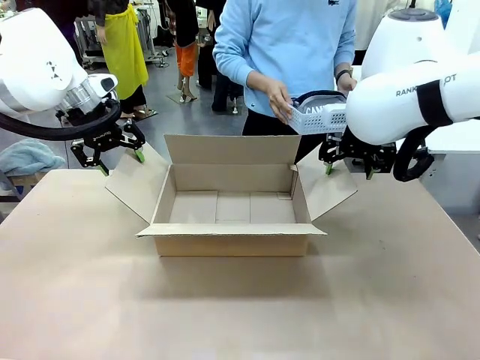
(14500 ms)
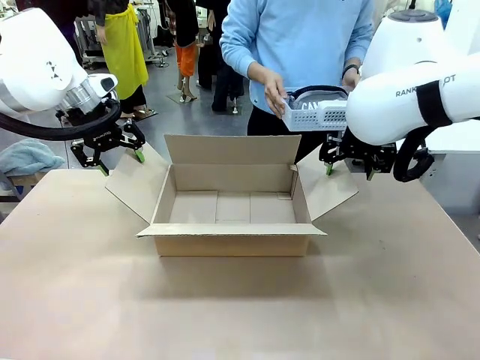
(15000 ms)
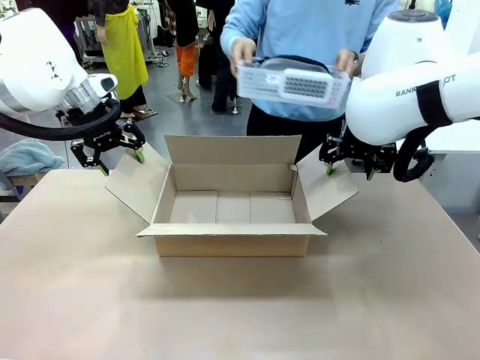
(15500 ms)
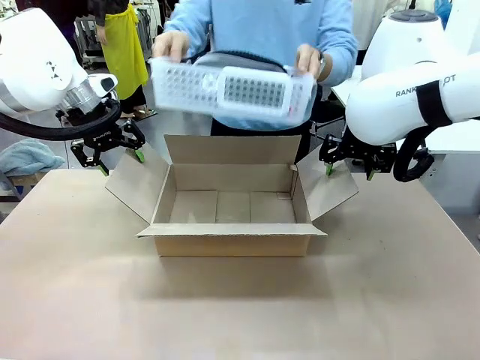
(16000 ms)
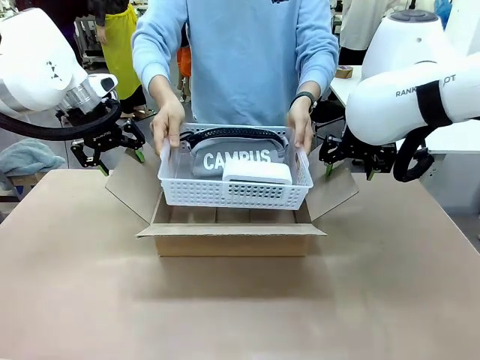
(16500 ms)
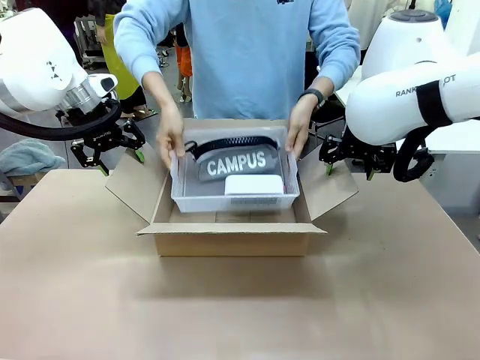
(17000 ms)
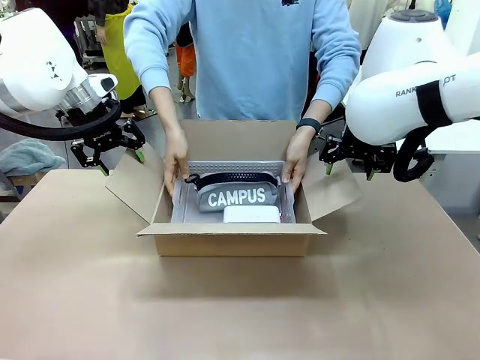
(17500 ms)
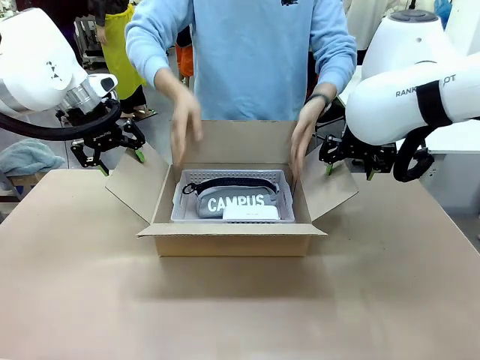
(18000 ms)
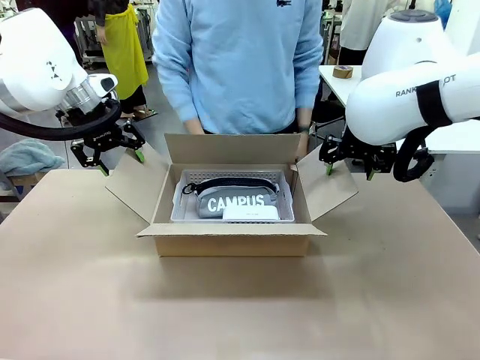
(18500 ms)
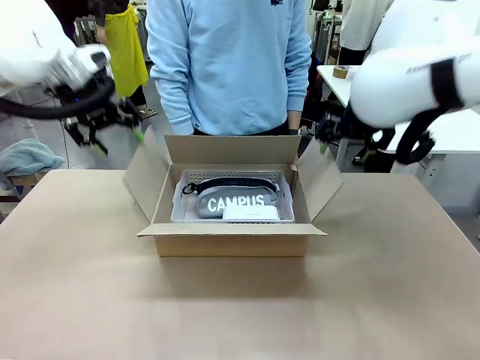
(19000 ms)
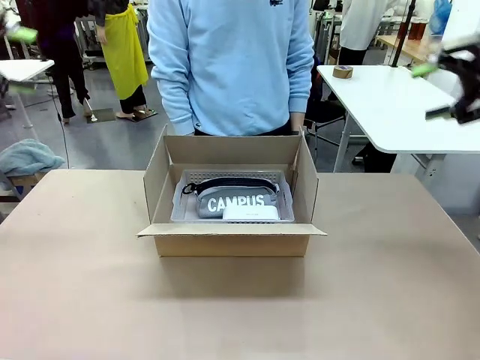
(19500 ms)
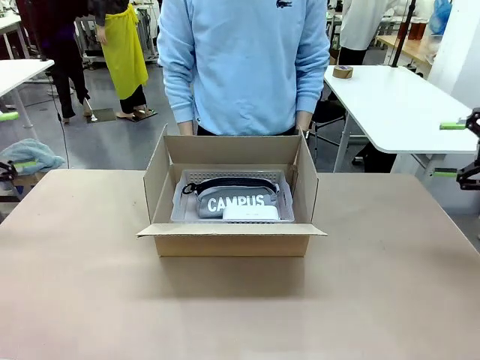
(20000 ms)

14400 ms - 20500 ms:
Task: Pack the gift set into the box.
Robot: Lift both hands away from the flaps of the Package Box.
Person: The human picks up the organizing basket and places the organizing basket into the package box on the robot table.

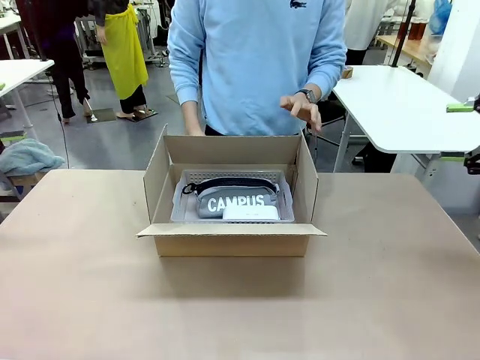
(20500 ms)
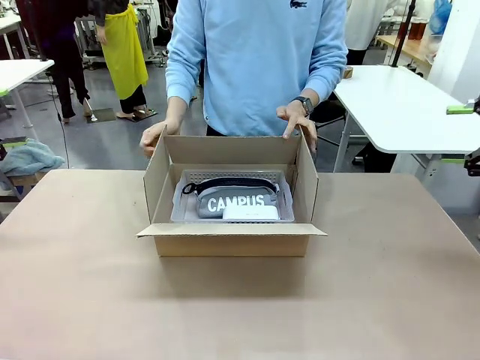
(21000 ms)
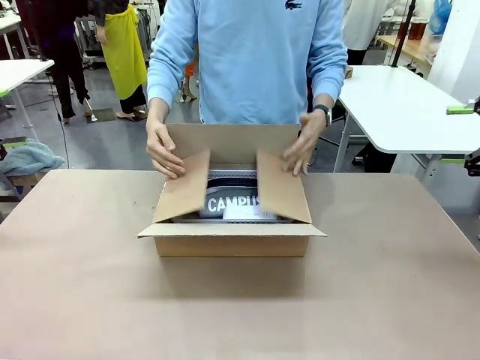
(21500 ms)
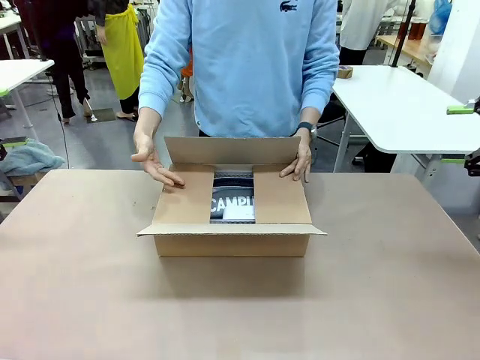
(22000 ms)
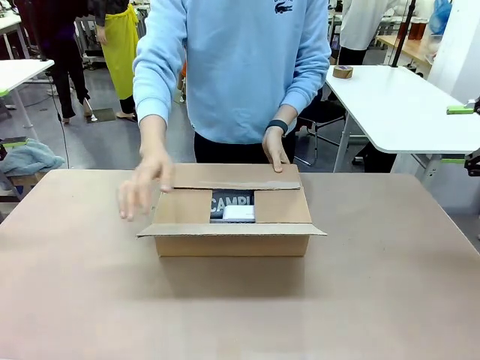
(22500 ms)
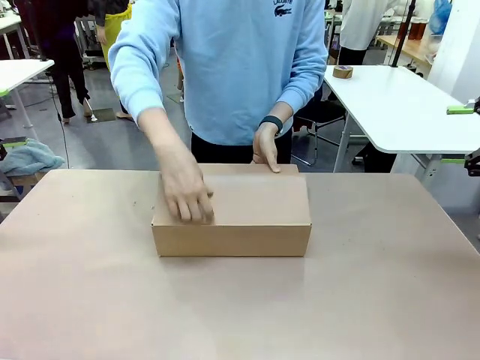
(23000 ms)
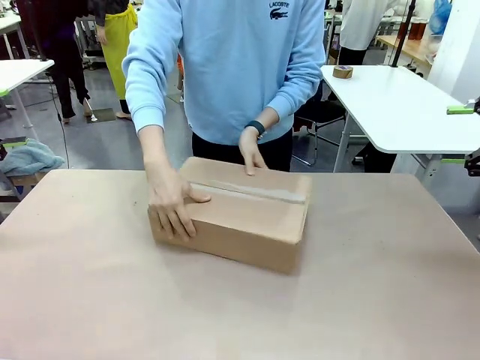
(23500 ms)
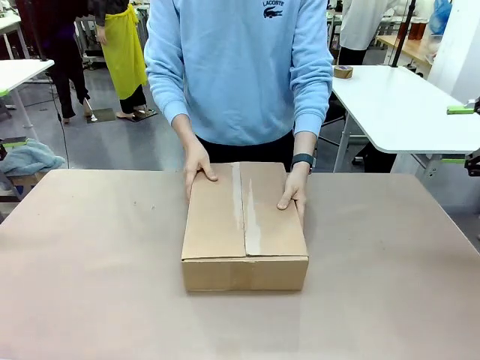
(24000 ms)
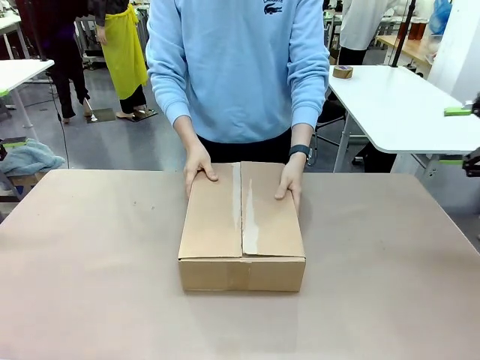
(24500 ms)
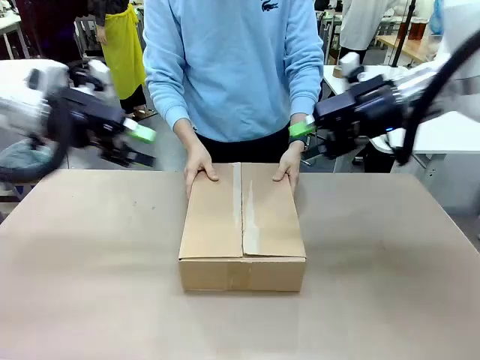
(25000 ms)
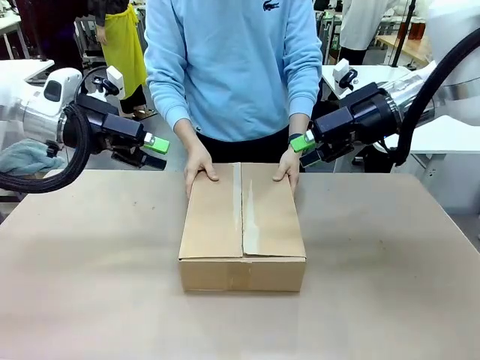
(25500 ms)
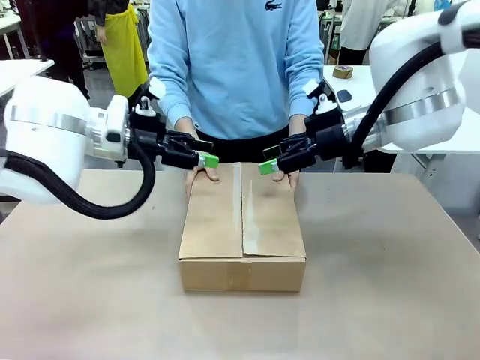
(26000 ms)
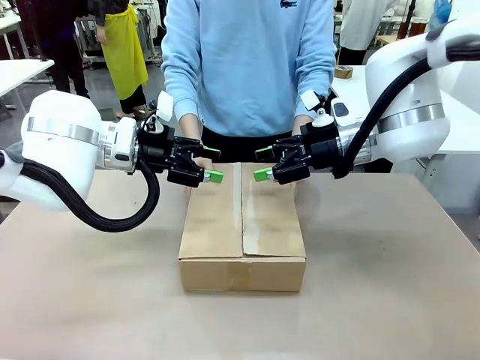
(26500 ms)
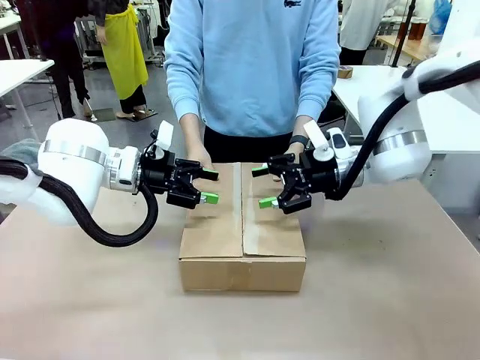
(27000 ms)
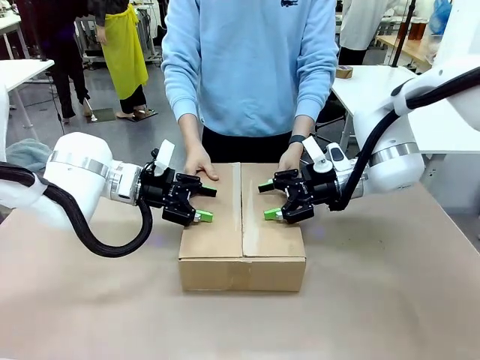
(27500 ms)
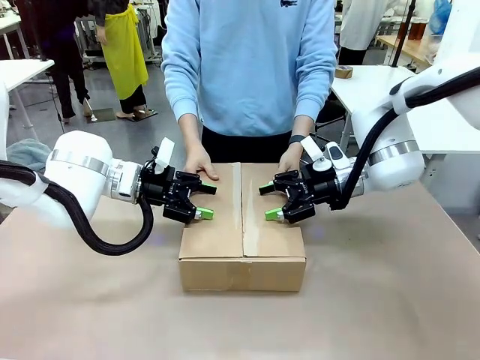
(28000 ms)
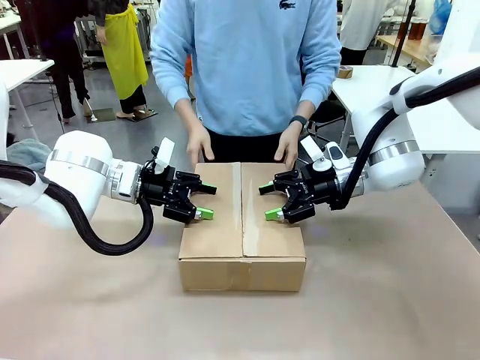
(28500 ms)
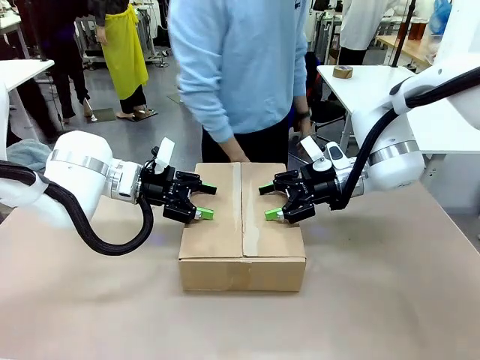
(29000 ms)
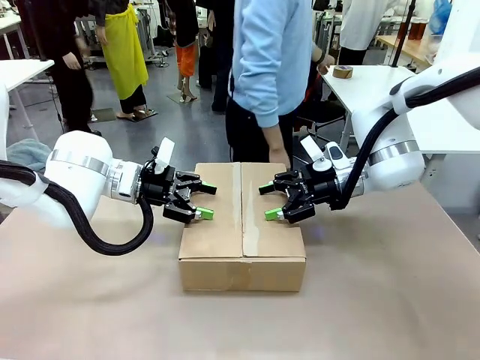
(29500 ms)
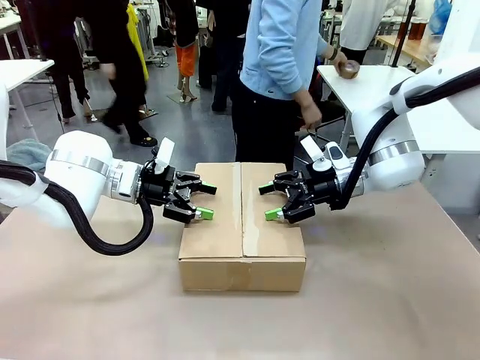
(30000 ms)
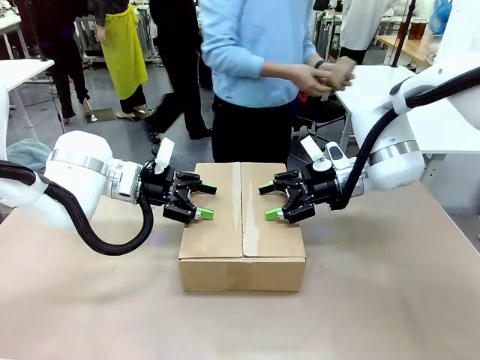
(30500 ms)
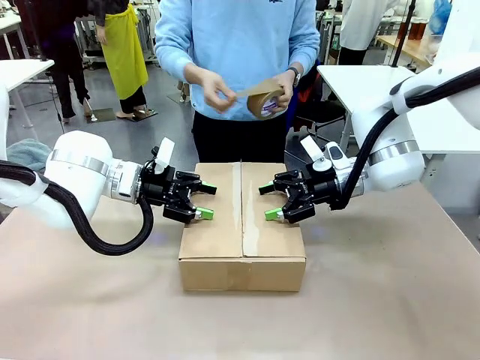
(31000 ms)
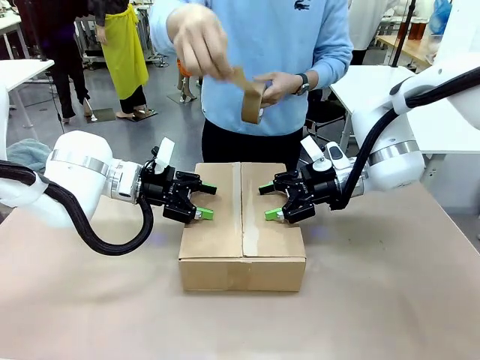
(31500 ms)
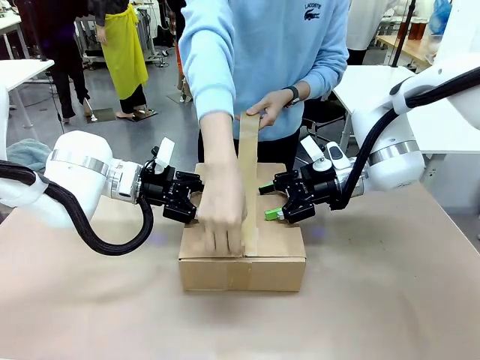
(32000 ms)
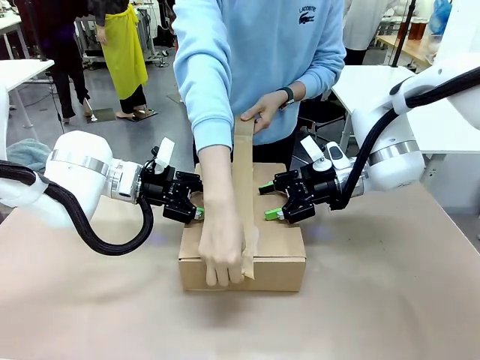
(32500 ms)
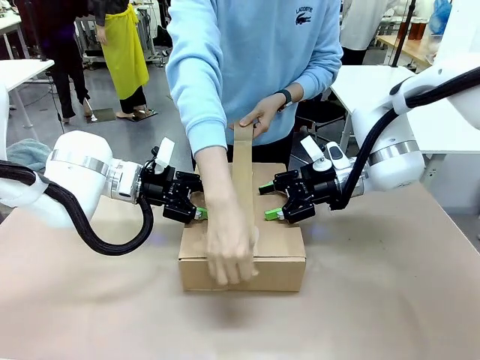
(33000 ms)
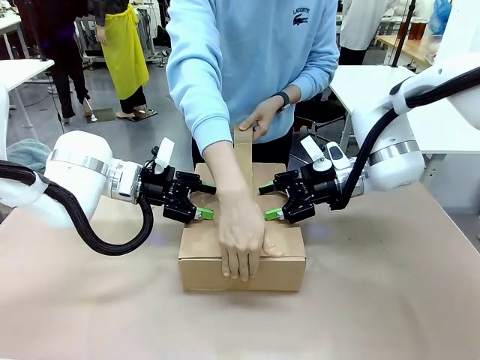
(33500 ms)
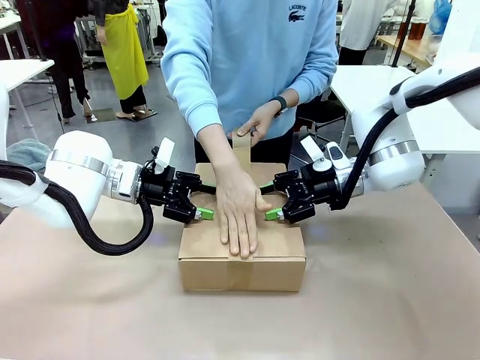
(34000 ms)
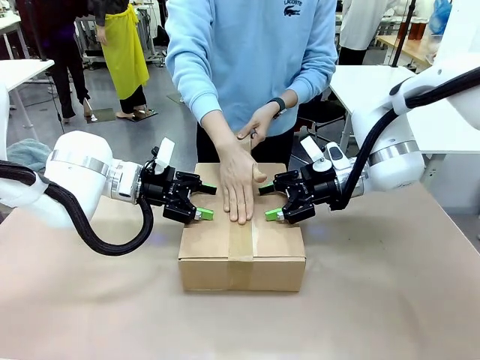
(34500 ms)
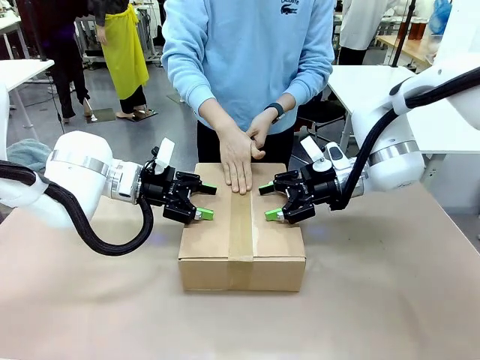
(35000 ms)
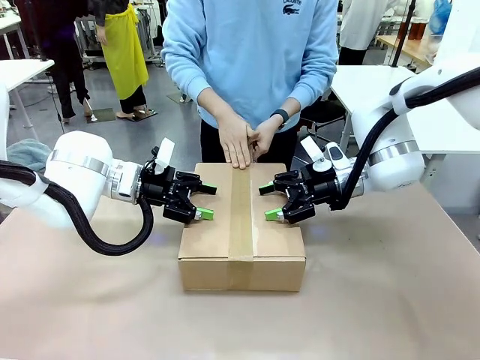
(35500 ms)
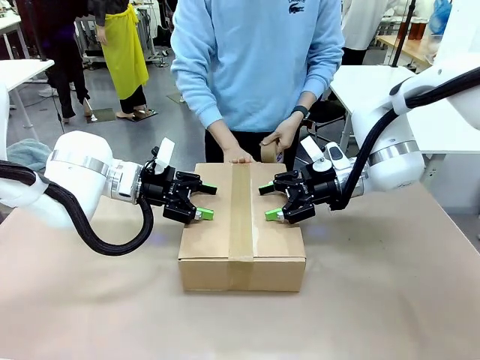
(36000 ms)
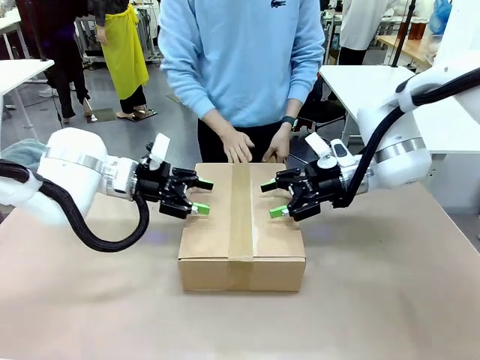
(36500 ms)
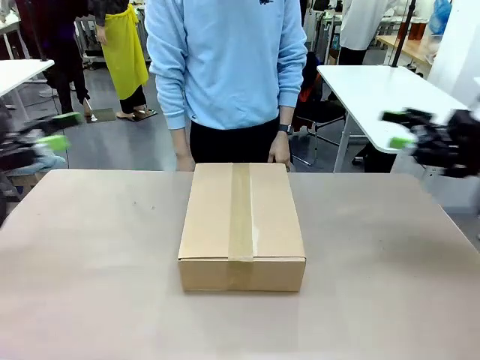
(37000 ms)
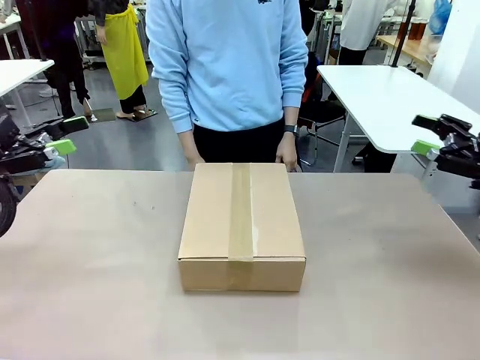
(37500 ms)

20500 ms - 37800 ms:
Robot: Press and hold the closed box until the human finishes sealing it.
Person: The human closes the box and rotates the box by 90 degrees. The human picks up the paper tape from the human table and packs the box.
